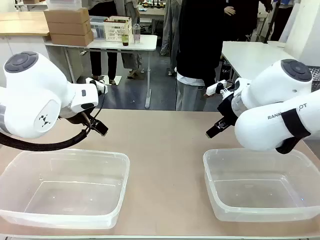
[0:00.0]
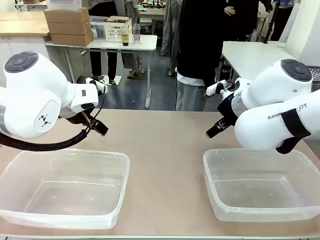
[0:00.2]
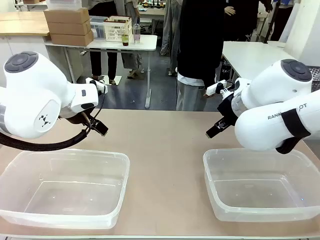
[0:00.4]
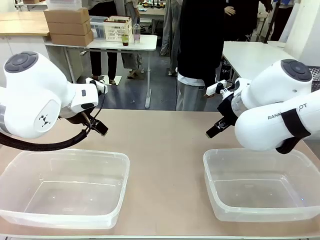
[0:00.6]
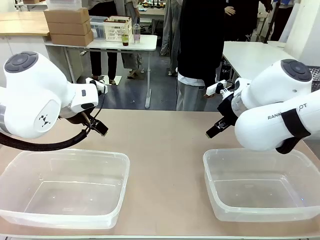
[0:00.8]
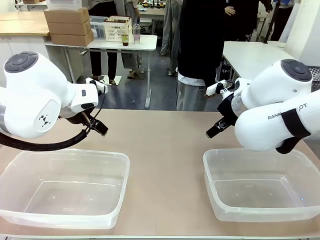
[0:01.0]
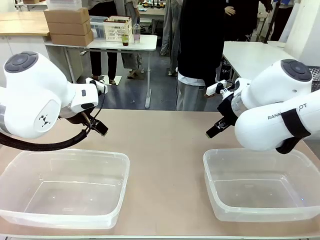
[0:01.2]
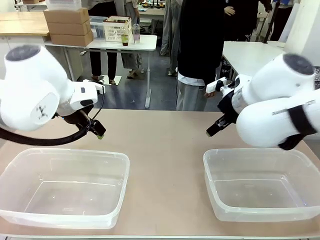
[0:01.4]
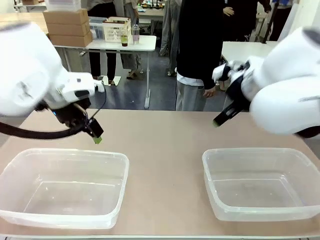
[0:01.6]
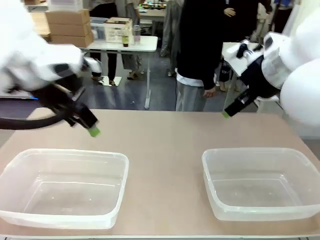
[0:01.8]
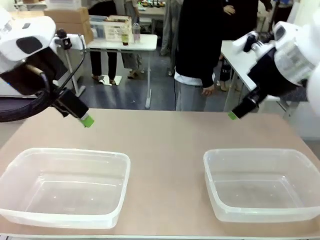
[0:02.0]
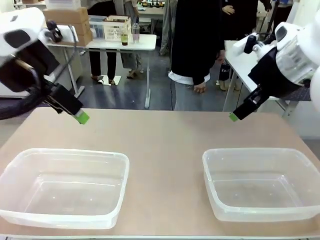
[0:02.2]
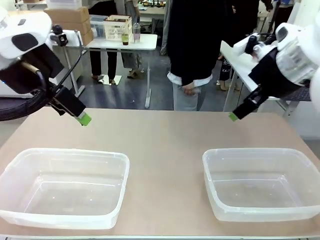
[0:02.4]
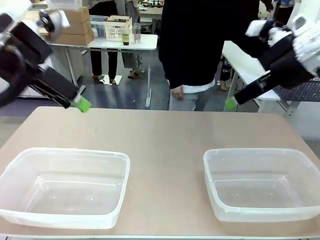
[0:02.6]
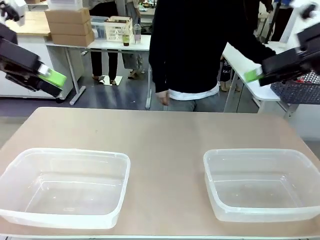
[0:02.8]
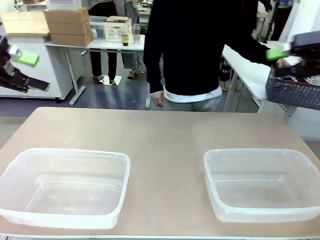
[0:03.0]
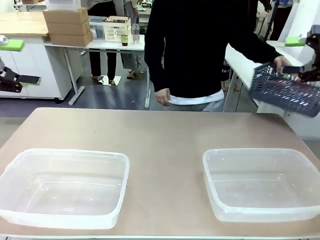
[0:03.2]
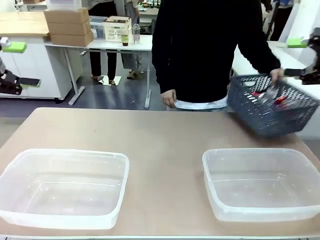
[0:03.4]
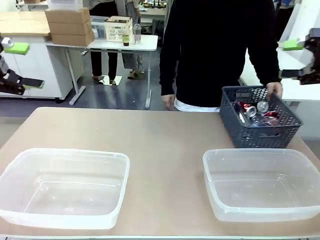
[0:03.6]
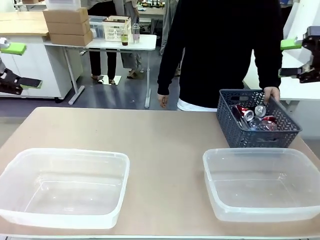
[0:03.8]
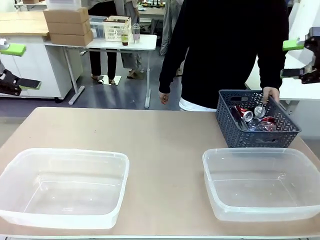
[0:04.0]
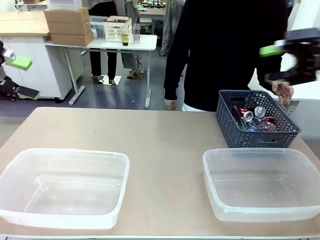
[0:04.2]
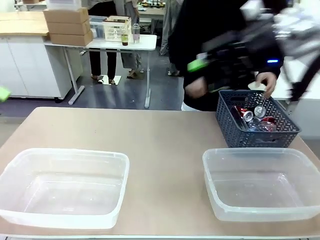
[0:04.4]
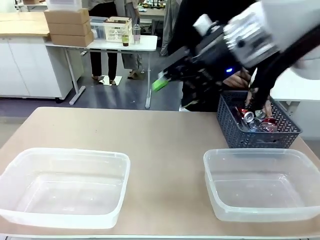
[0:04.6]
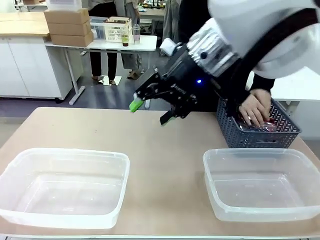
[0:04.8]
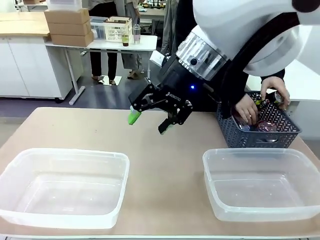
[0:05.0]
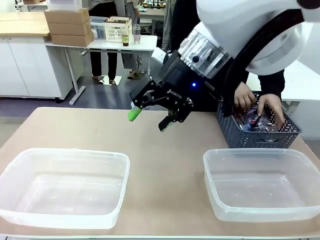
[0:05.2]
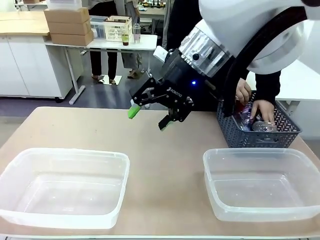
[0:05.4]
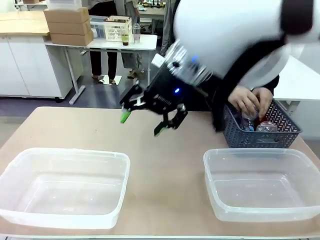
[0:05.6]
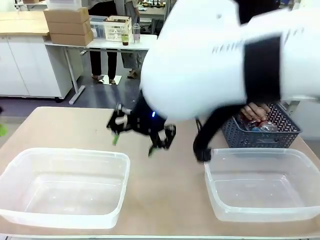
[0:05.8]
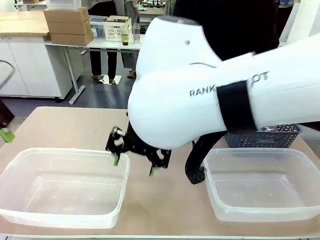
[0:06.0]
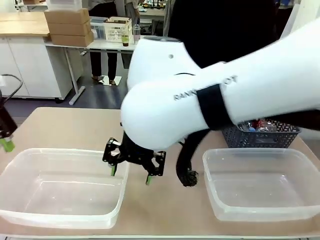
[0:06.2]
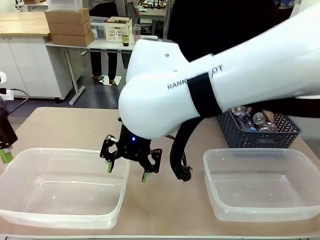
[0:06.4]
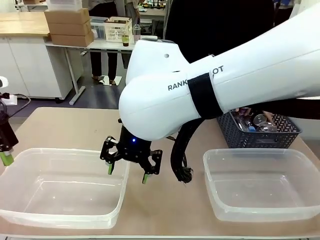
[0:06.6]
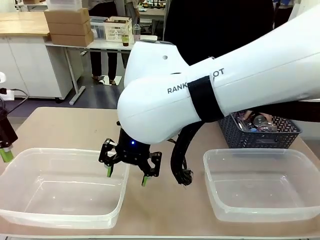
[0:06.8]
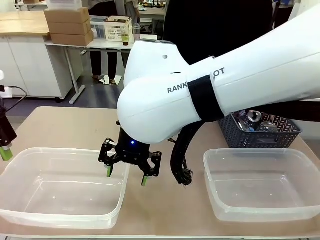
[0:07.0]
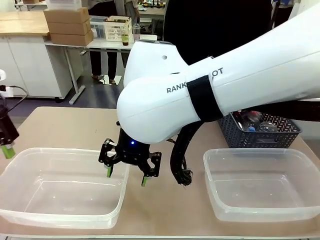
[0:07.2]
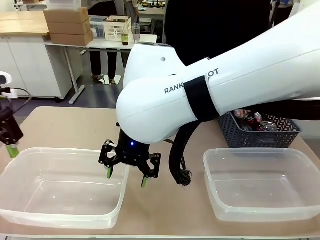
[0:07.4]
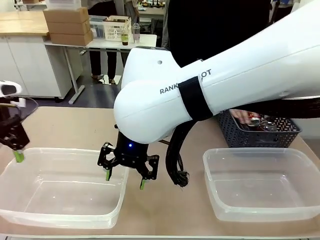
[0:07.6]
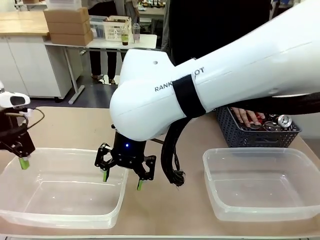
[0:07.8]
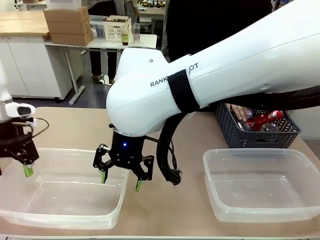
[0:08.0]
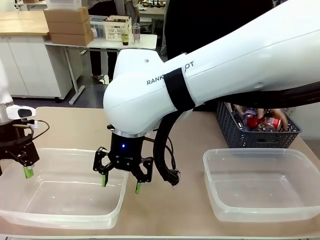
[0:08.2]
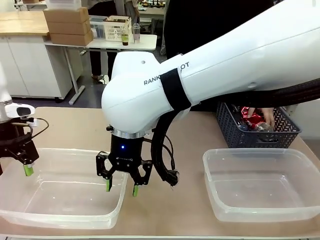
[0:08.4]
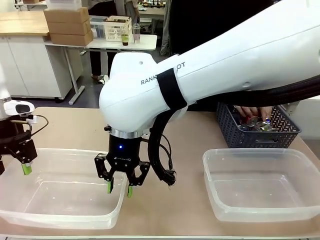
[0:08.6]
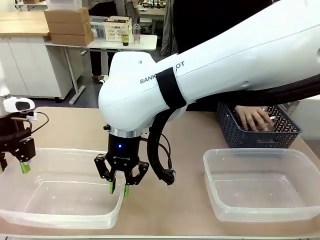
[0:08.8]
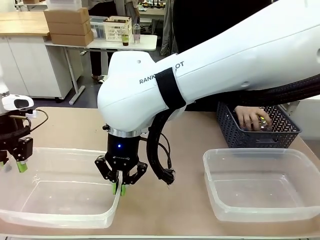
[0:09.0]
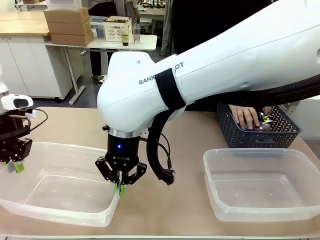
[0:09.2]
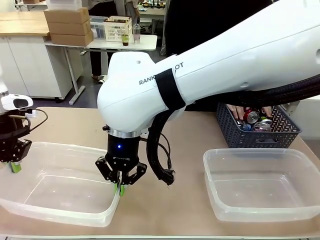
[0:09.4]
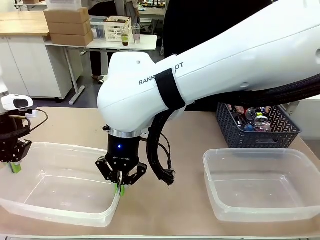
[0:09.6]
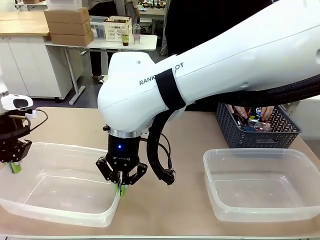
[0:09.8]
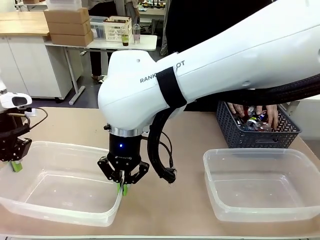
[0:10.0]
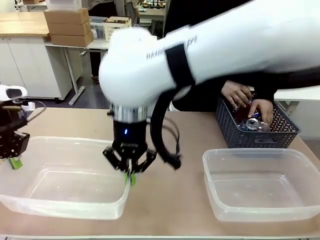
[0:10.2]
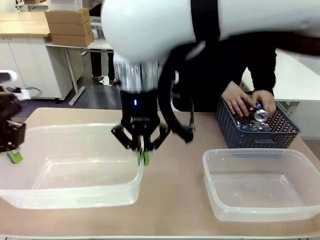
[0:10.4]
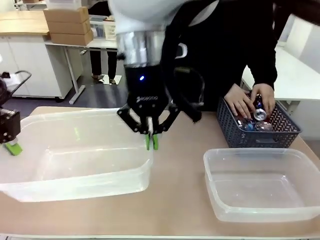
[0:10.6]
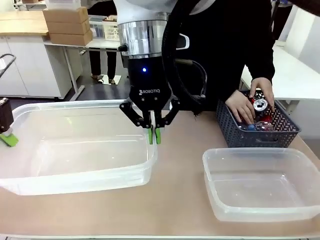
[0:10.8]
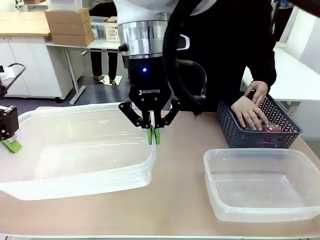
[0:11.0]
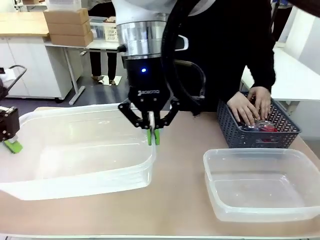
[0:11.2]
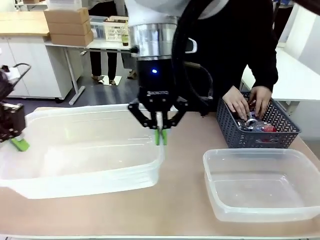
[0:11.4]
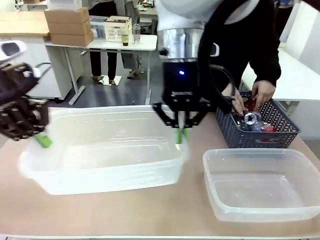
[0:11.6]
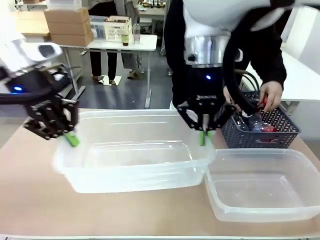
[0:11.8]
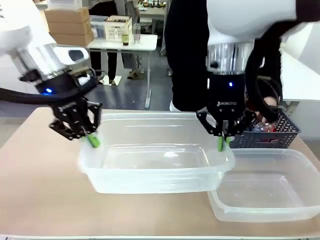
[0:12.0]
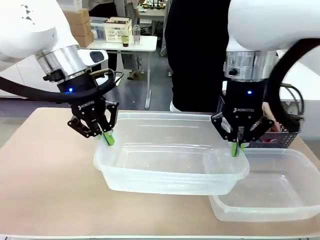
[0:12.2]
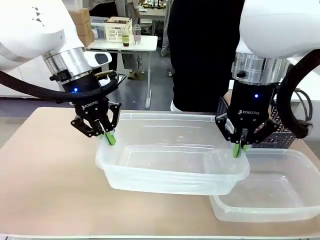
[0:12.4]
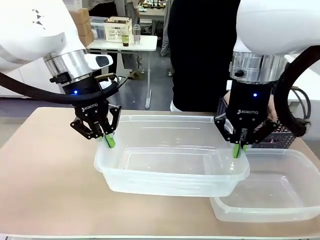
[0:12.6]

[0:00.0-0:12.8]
Robot: Pick up the Organizing box on the left side of the table and lift it.
Person: Pick up the storage basket and place it on the left side of the robot table. Pick up can-shaped waste one by one and place it into the organizing box lifted by the robot.

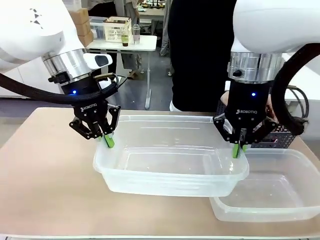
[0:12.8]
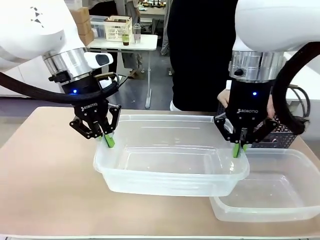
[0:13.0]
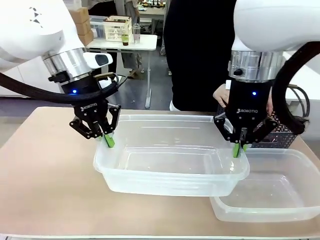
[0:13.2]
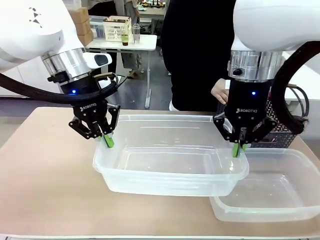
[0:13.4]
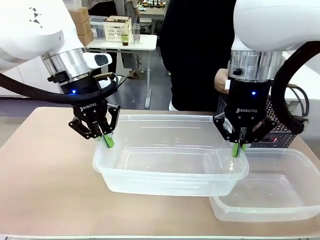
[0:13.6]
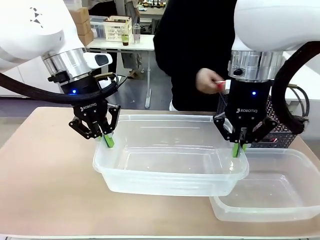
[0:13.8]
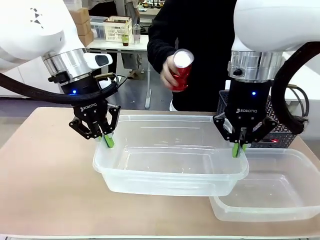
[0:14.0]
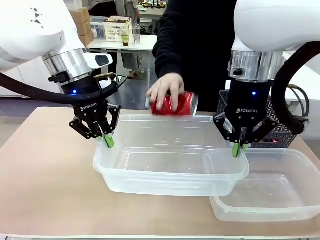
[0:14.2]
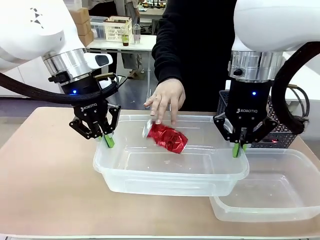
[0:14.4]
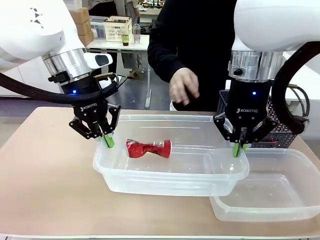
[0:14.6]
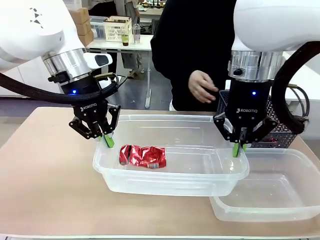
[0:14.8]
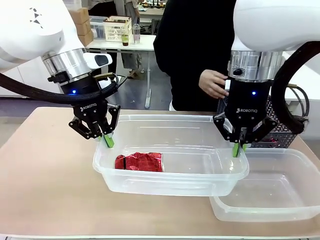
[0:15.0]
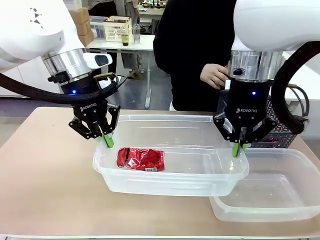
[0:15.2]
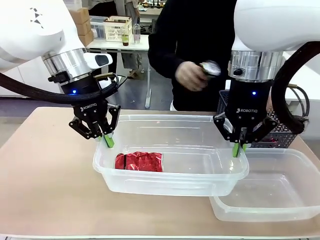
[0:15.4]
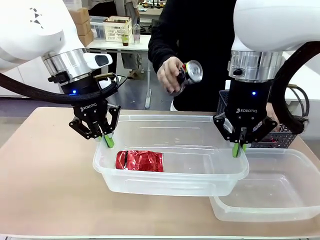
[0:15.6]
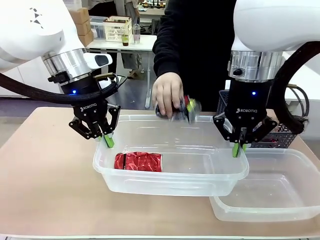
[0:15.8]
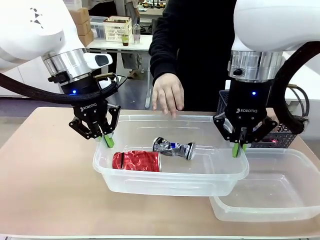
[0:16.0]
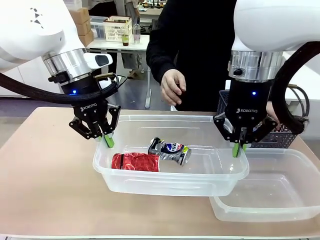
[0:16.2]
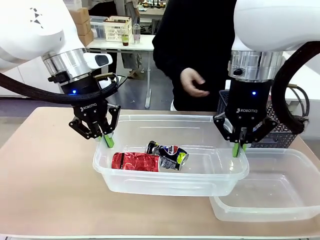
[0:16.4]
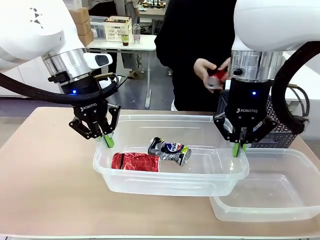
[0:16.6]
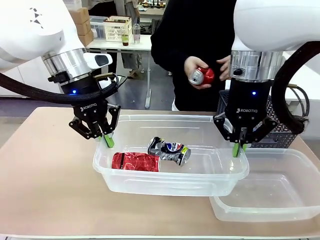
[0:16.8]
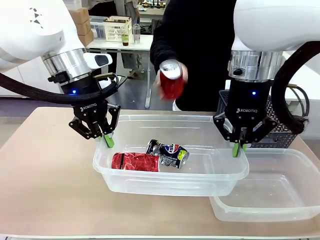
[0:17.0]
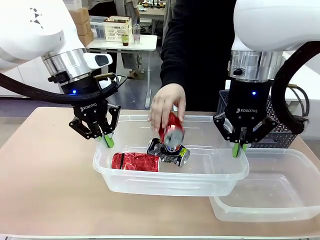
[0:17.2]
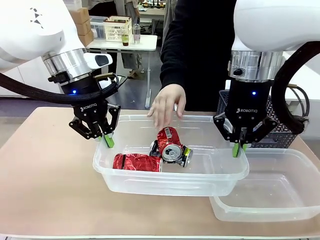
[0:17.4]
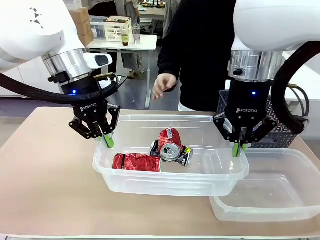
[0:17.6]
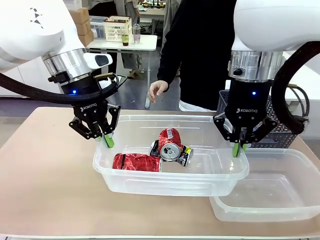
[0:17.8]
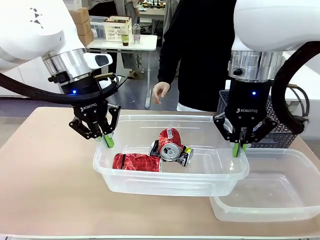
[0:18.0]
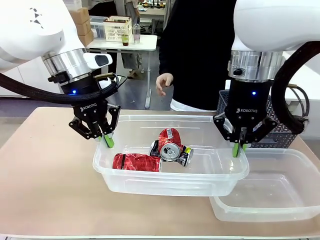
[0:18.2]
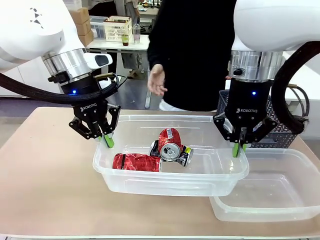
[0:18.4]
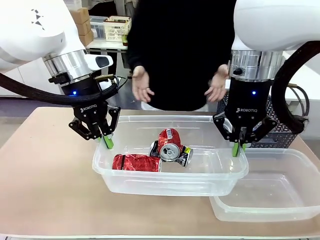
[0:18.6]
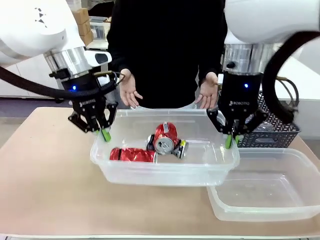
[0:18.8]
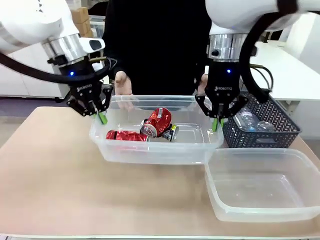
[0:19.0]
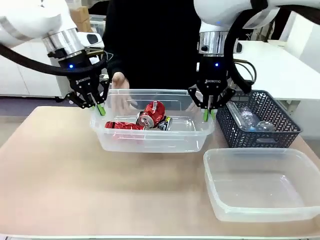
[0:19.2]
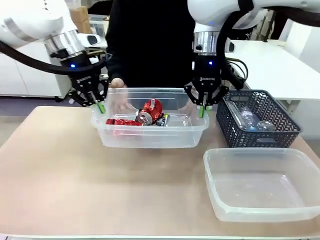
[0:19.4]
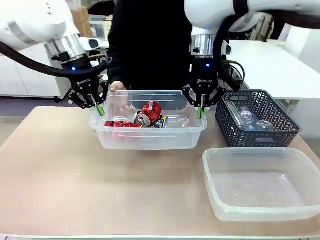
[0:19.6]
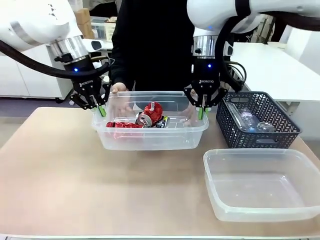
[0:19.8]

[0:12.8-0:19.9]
Robot: Offer the picked Organizing box to the human.

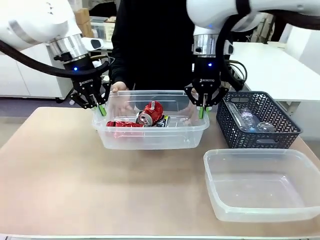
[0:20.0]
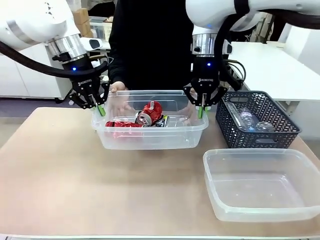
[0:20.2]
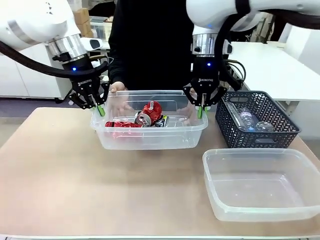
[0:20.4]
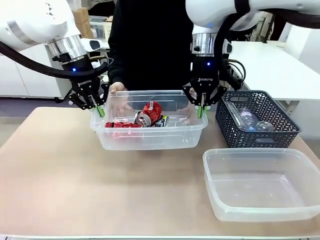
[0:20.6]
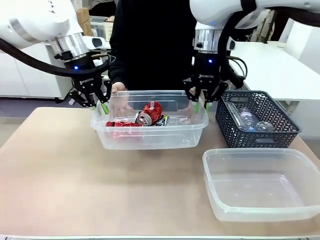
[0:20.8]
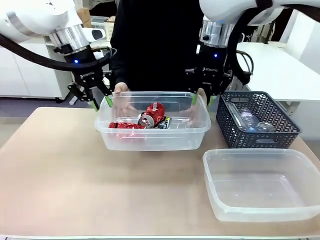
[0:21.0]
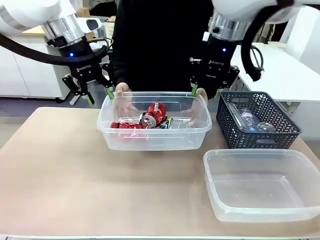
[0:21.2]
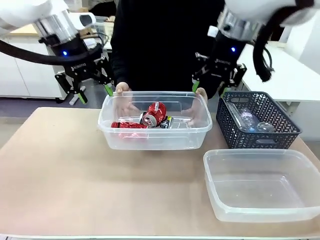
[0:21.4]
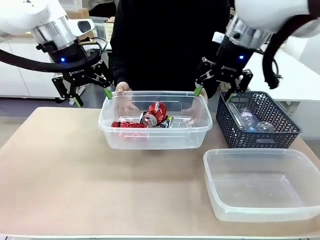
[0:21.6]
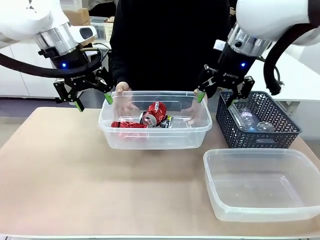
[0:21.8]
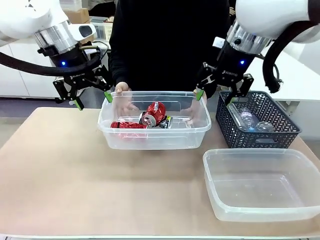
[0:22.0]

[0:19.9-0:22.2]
Robot: Release the Organizing box you were holding.

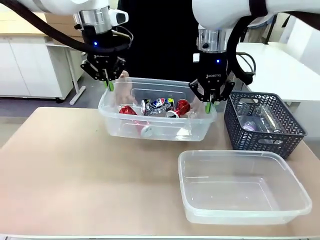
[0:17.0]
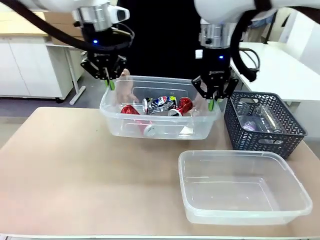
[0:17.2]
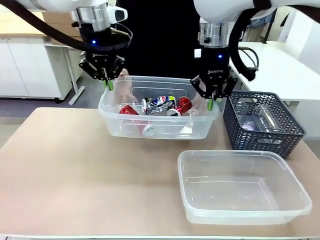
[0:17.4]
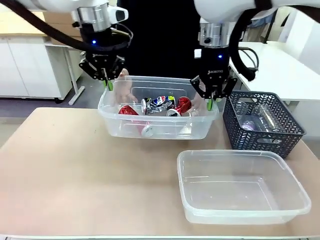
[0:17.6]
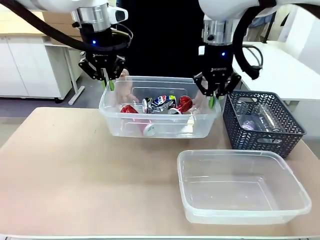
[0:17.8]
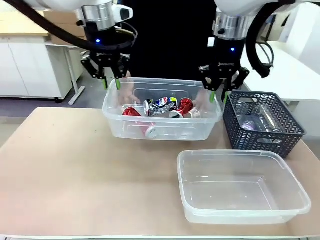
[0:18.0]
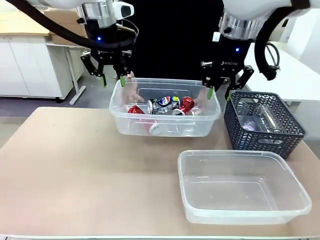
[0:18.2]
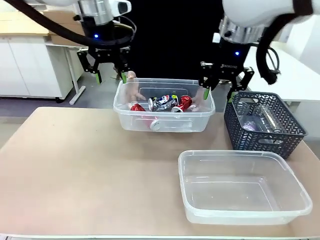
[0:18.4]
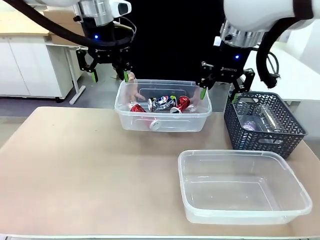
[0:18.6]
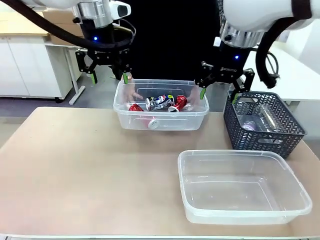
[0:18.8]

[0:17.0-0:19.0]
Robot: Release the Organizing box you were holding.
